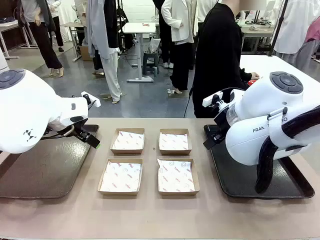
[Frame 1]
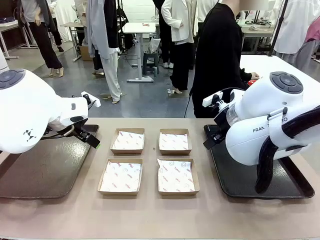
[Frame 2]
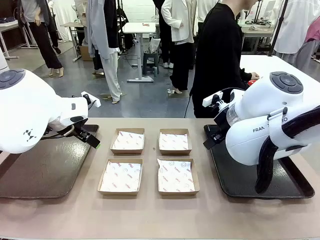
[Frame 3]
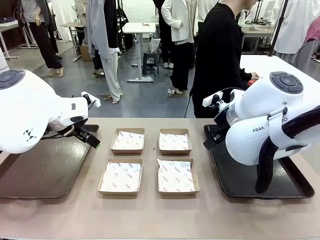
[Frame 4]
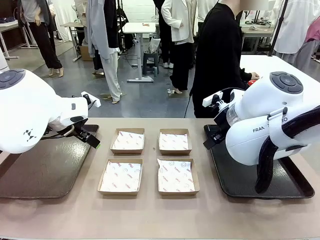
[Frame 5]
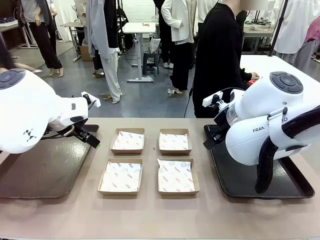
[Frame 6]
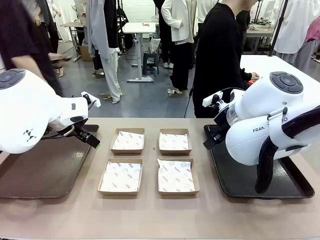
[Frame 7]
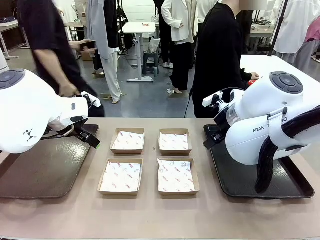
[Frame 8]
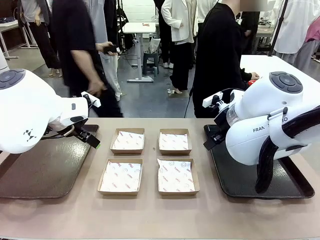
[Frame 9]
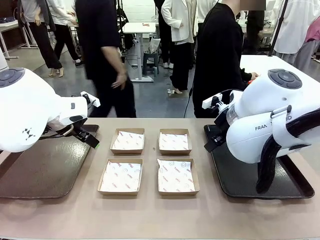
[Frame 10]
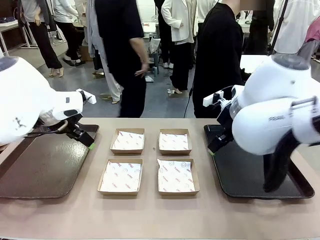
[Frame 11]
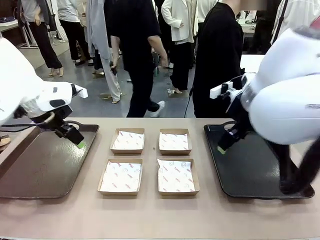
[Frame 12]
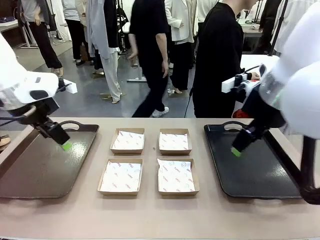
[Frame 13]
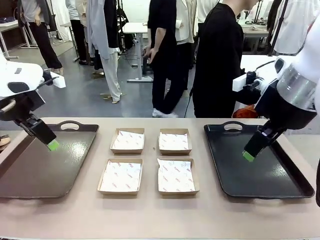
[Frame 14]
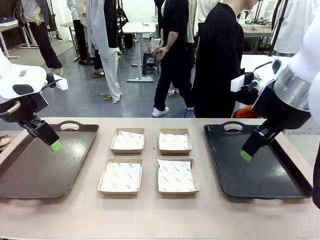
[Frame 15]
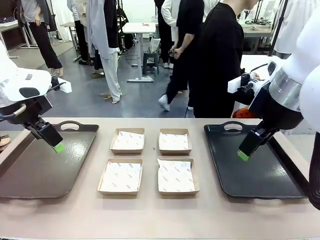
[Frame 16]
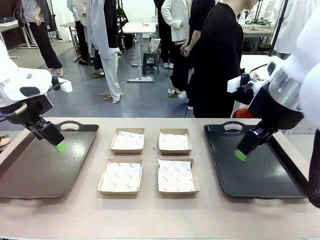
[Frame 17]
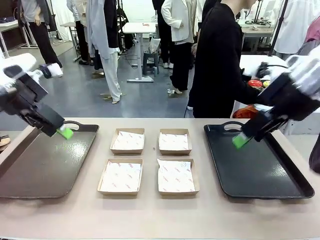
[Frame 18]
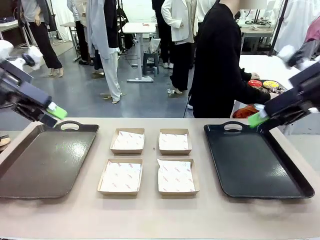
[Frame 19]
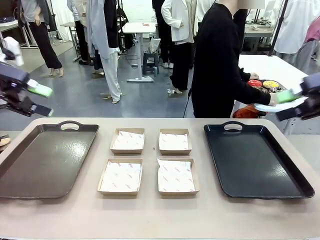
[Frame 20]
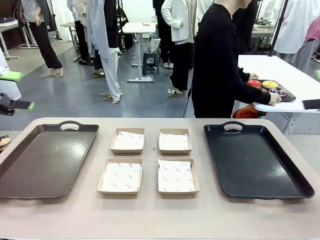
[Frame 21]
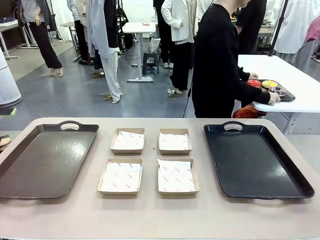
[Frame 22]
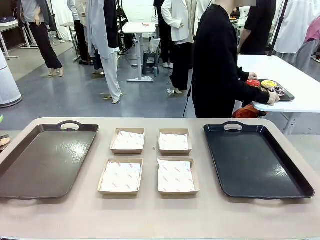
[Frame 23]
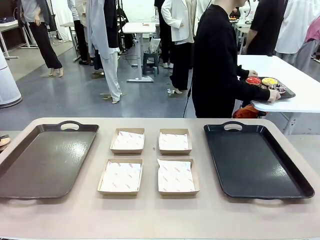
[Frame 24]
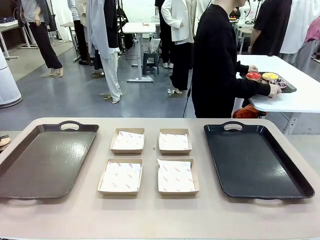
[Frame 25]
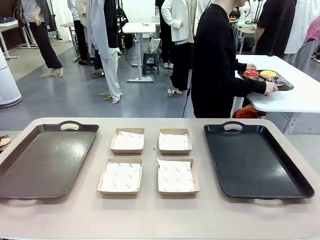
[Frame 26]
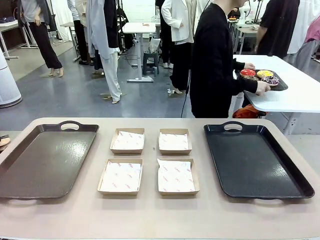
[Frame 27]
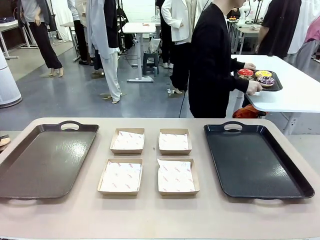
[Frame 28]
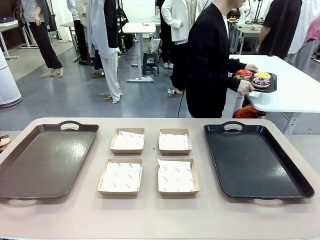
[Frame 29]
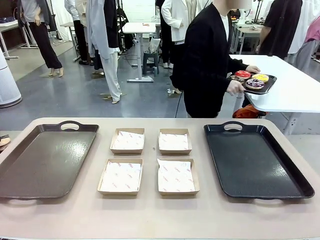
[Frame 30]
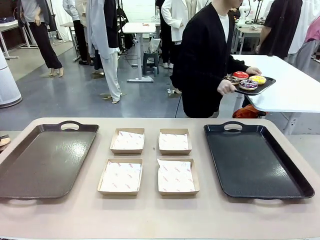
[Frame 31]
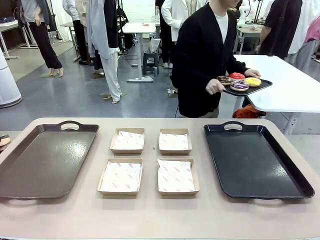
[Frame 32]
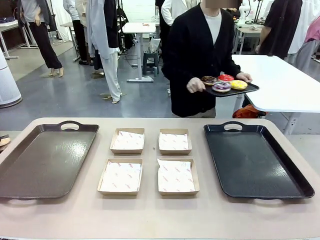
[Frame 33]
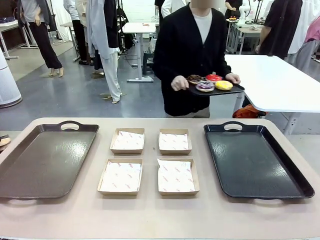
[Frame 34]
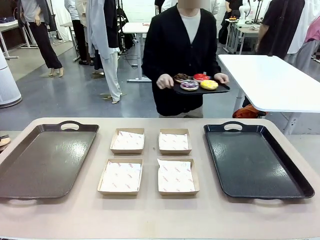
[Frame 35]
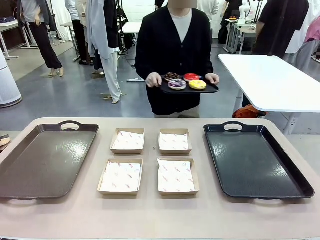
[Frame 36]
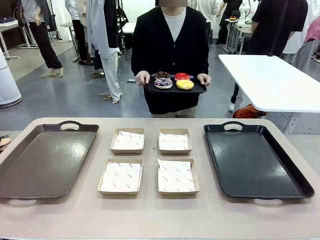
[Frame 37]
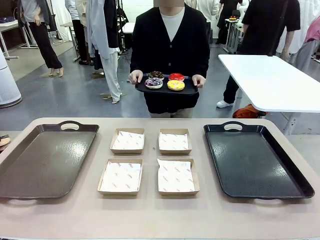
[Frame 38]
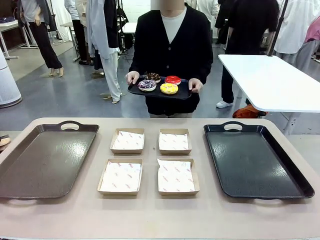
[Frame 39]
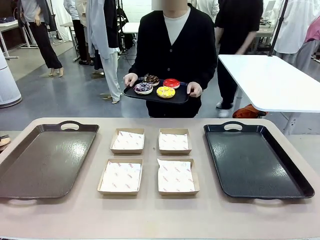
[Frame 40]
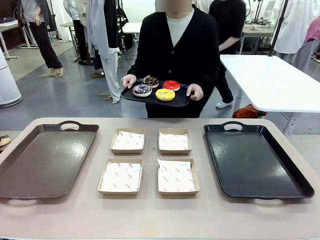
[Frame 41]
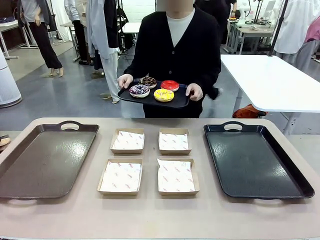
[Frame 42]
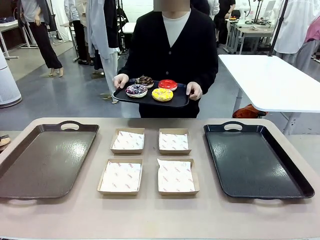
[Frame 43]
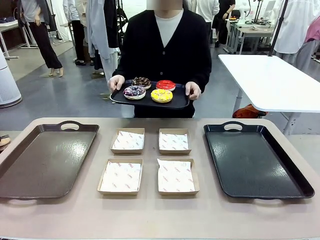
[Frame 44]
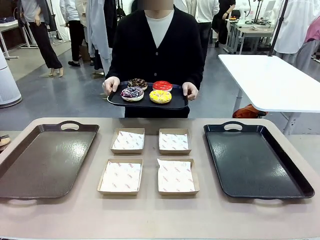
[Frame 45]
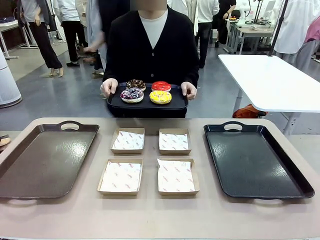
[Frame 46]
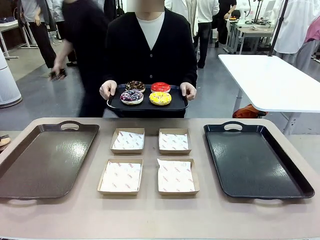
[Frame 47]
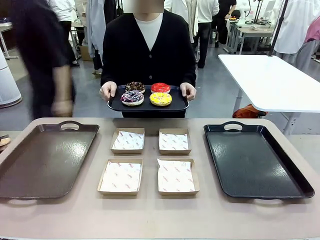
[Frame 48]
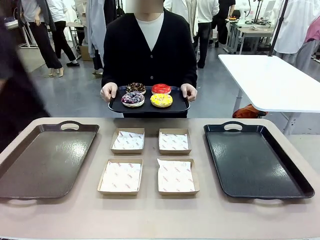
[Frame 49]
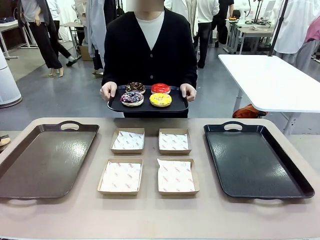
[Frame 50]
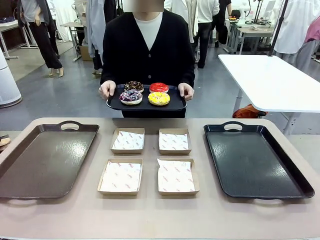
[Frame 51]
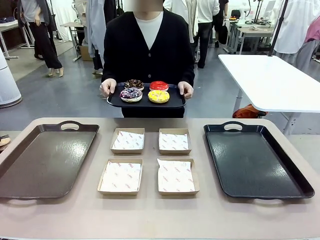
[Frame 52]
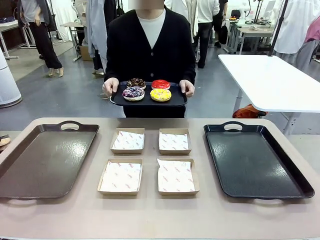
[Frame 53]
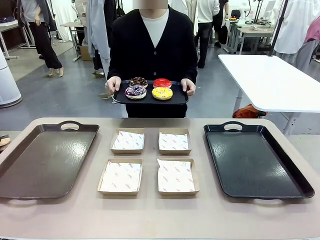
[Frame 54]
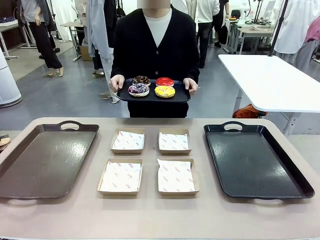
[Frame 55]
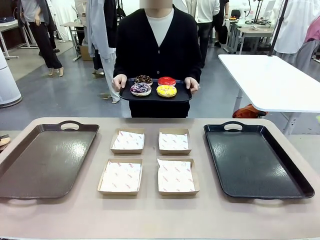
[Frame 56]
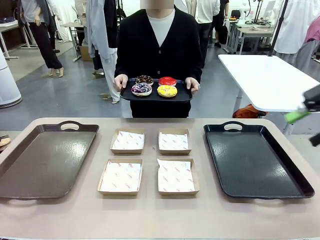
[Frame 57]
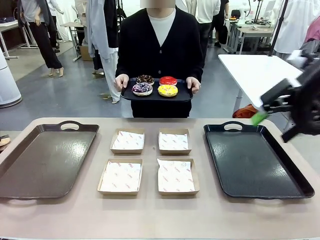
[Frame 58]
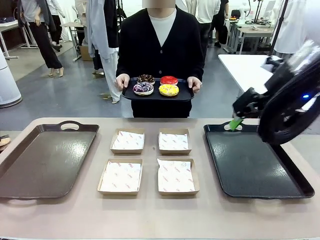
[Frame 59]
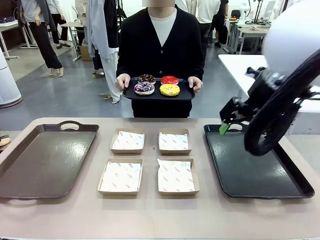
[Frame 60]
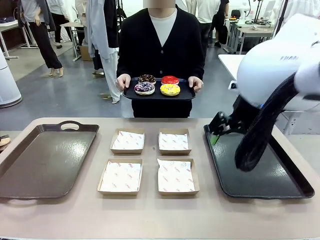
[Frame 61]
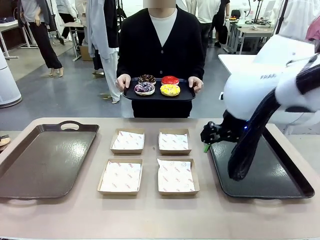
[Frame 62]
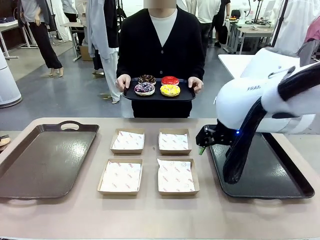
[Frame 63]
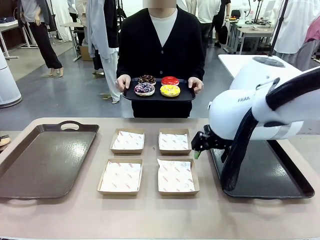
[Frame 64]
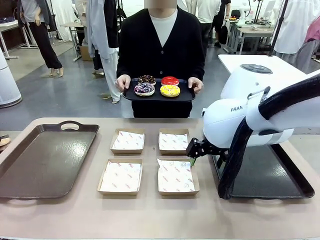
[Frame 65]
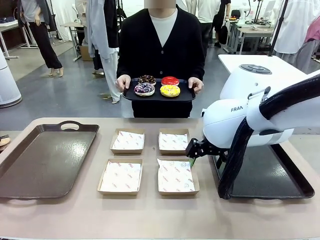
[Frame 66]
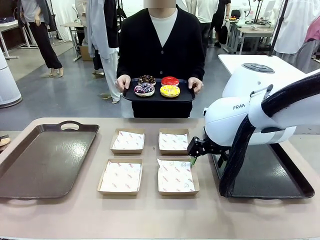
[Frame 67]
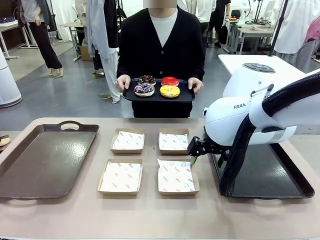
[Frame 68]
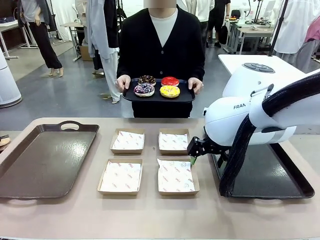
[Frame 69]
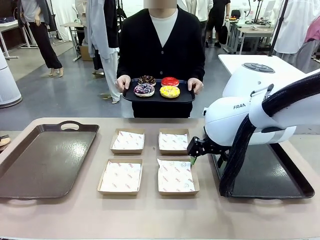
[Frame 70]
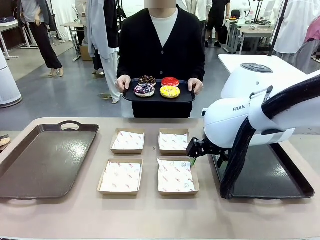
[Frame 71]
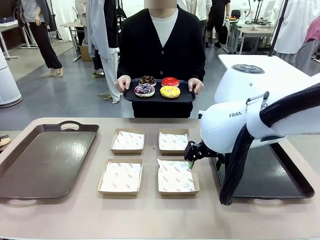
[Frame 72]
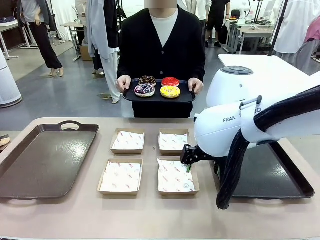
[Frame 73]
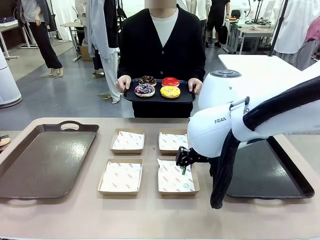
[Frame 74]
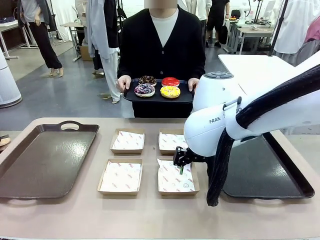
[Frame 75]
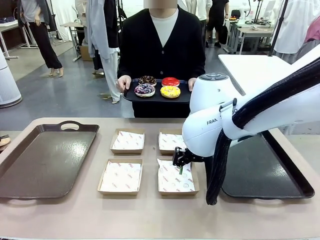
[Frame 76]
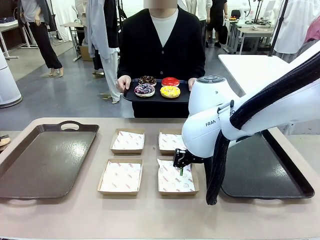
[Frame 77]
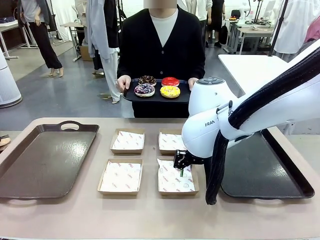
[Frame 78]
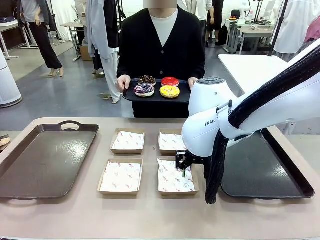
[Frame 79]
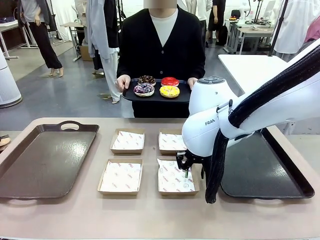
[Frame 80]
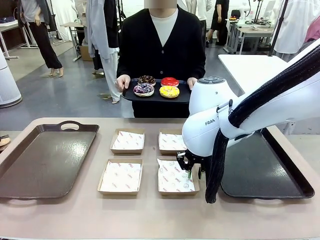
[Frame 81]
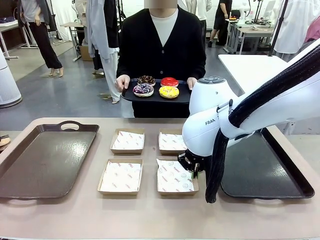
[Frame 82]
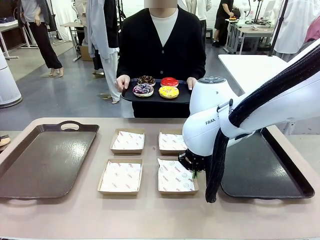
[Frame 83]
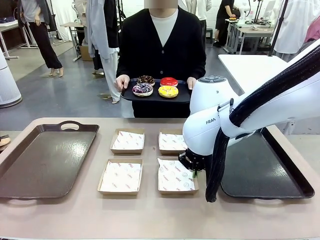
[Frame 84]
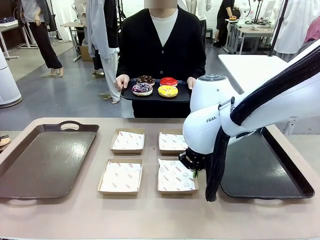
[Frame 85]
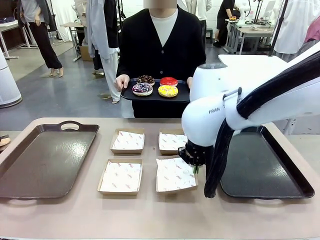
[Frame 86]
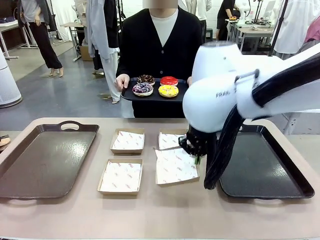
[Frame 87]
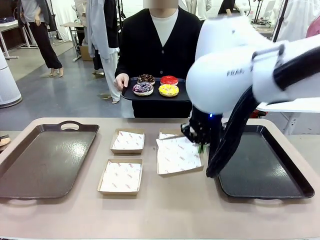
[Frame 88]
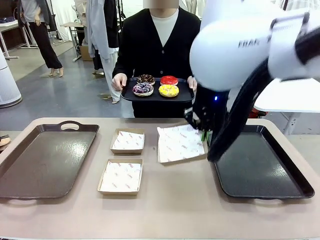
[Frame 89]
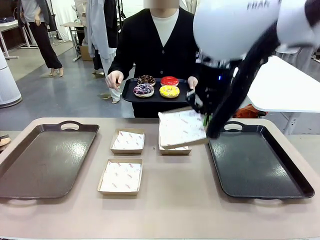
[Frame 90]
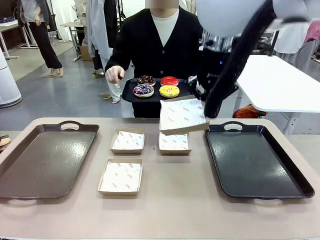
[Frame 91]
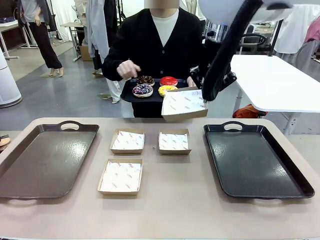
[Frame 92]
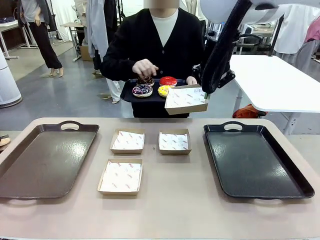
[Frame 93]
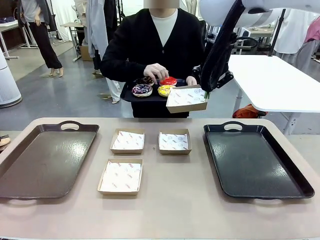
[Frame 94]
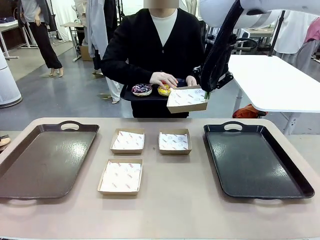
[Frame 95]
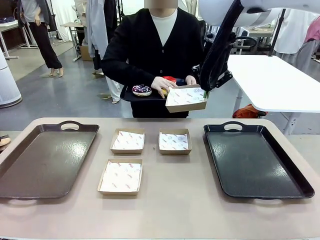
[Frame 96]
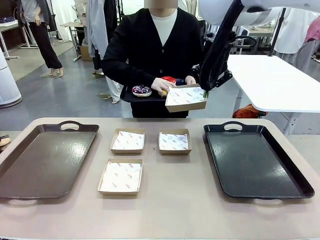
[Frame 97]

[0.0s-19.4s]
Task: Individually package the donuts and arrange them on the tray.
Robot: Pick up one Paper togo box.
Person: Stand in front of the robot table holding the tray containing the donuts.
